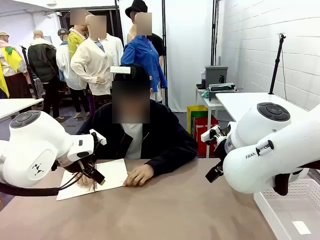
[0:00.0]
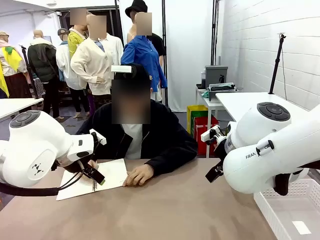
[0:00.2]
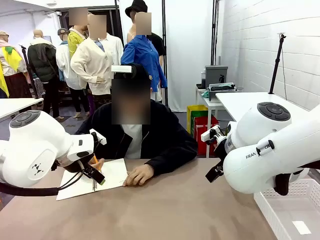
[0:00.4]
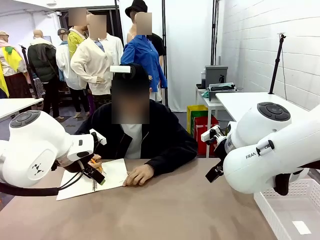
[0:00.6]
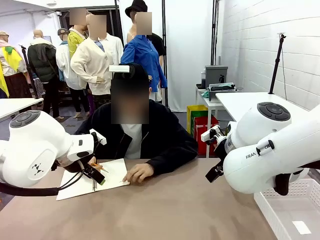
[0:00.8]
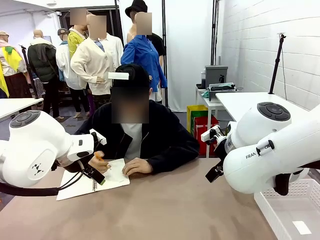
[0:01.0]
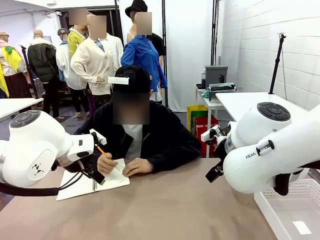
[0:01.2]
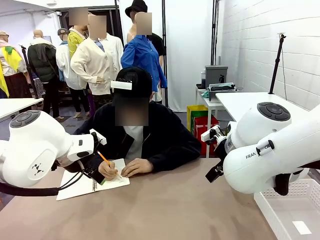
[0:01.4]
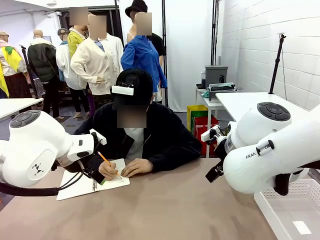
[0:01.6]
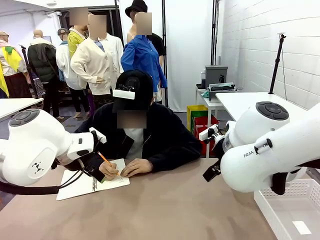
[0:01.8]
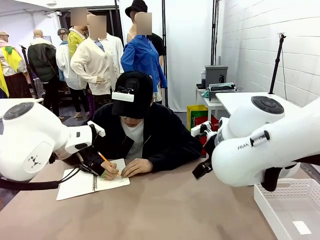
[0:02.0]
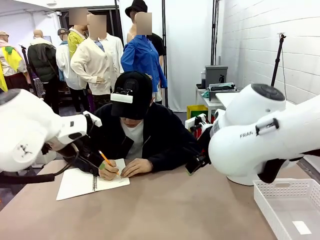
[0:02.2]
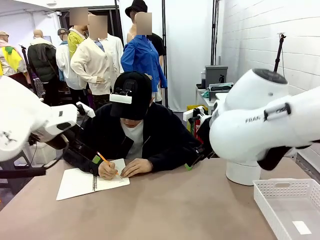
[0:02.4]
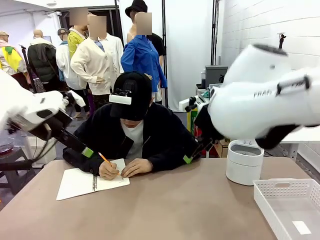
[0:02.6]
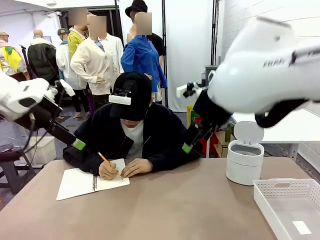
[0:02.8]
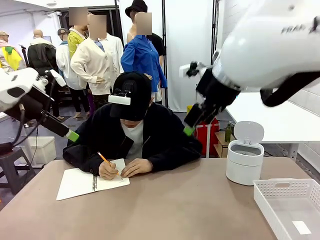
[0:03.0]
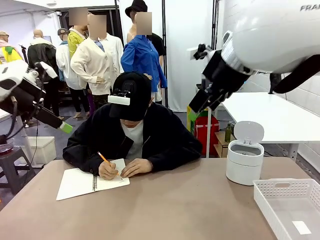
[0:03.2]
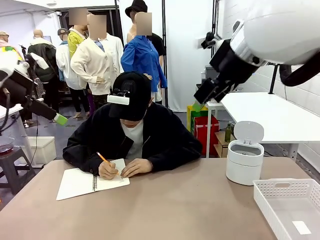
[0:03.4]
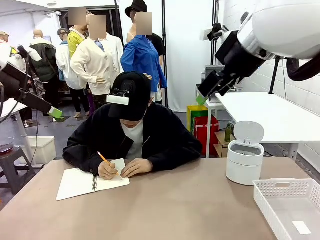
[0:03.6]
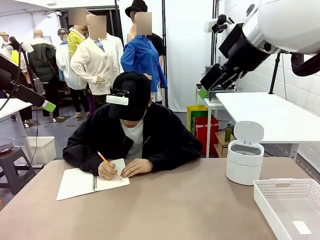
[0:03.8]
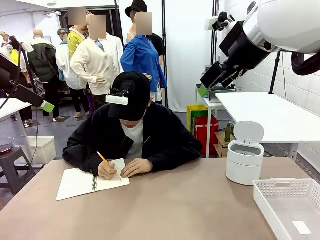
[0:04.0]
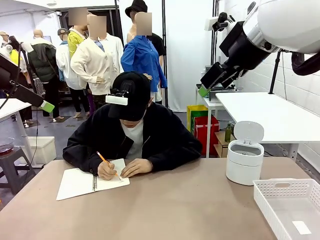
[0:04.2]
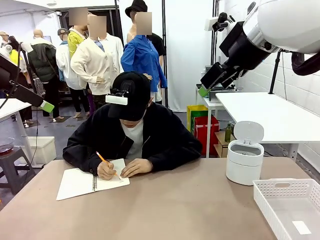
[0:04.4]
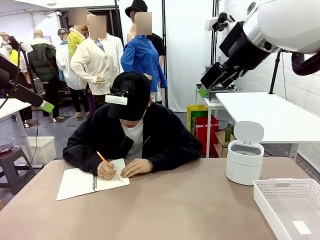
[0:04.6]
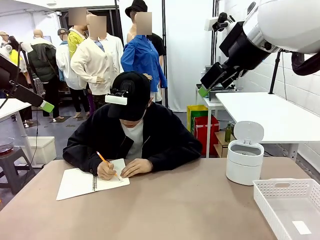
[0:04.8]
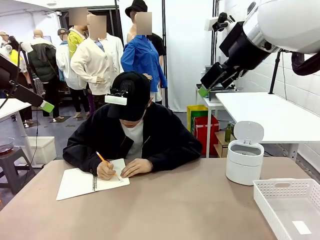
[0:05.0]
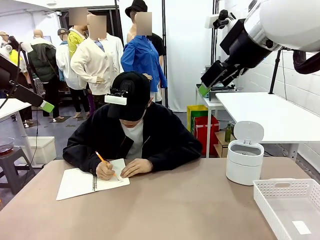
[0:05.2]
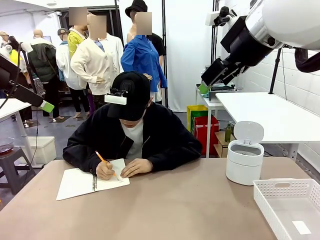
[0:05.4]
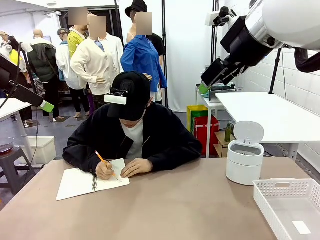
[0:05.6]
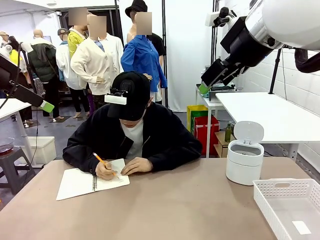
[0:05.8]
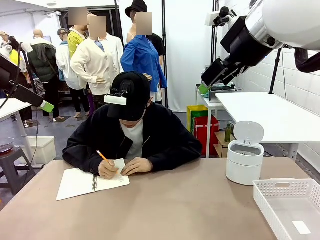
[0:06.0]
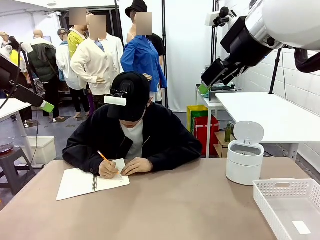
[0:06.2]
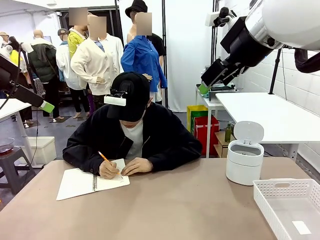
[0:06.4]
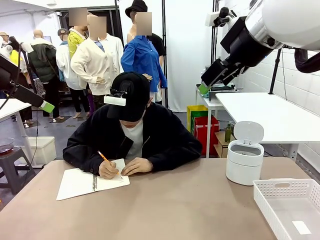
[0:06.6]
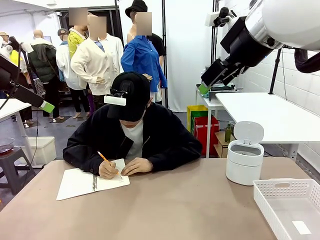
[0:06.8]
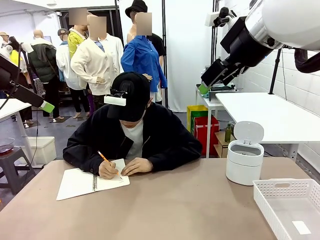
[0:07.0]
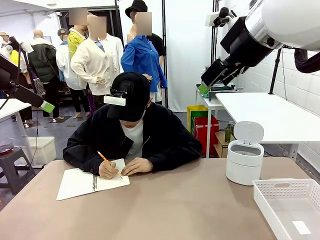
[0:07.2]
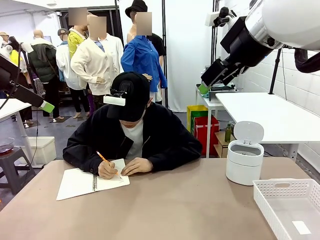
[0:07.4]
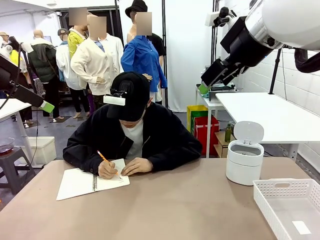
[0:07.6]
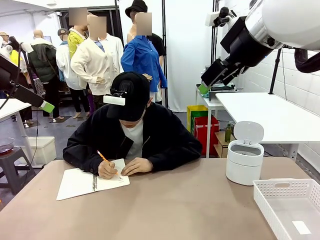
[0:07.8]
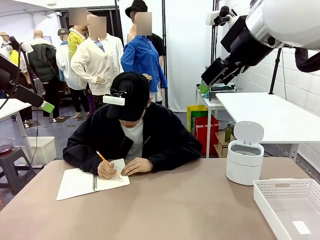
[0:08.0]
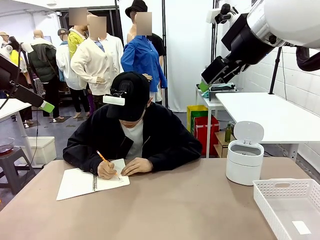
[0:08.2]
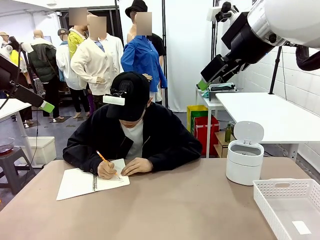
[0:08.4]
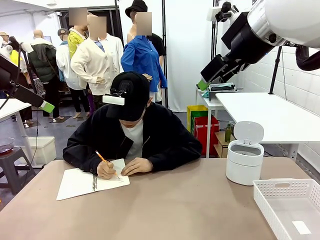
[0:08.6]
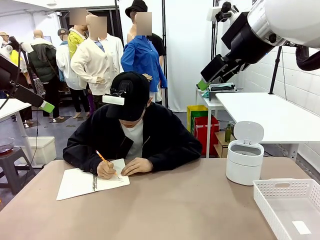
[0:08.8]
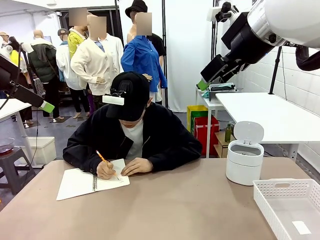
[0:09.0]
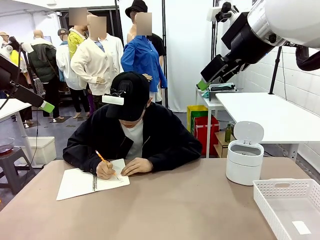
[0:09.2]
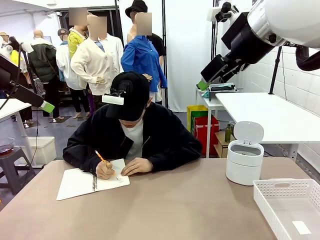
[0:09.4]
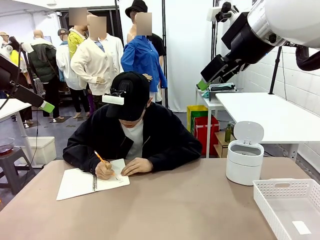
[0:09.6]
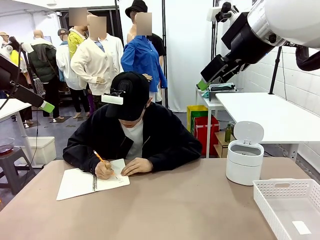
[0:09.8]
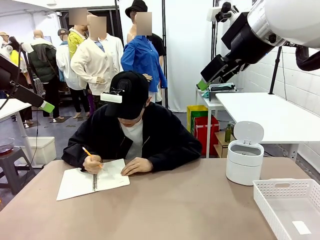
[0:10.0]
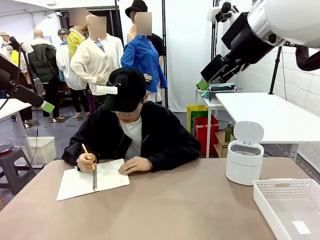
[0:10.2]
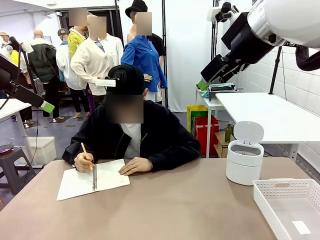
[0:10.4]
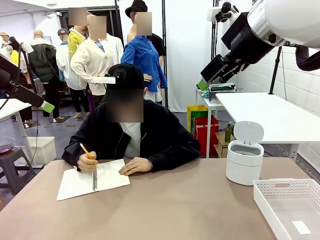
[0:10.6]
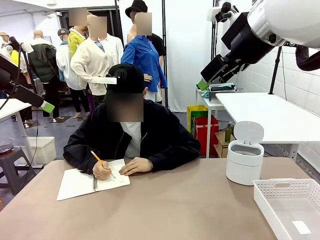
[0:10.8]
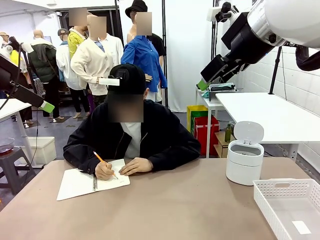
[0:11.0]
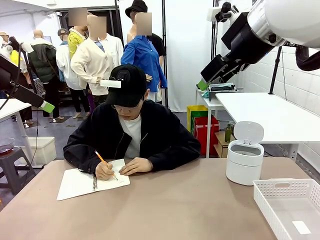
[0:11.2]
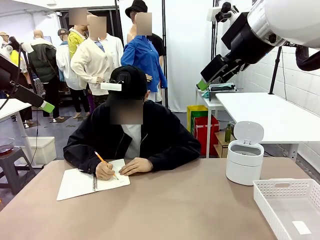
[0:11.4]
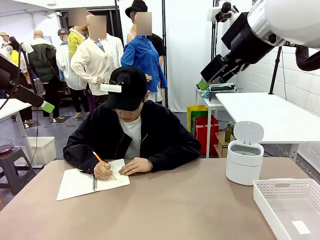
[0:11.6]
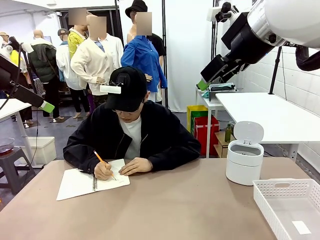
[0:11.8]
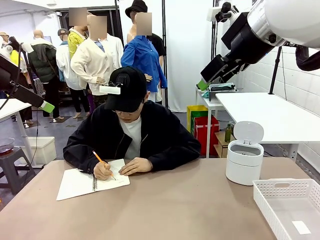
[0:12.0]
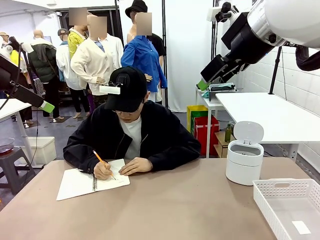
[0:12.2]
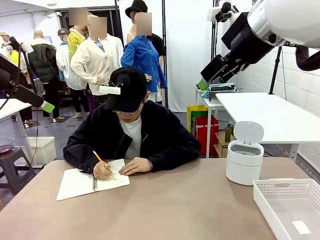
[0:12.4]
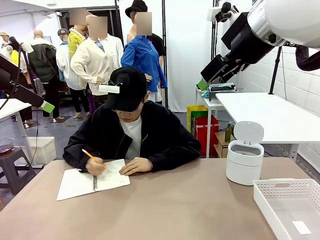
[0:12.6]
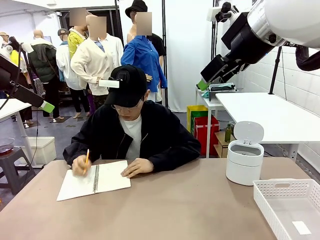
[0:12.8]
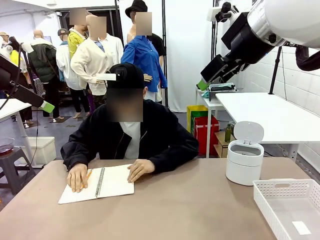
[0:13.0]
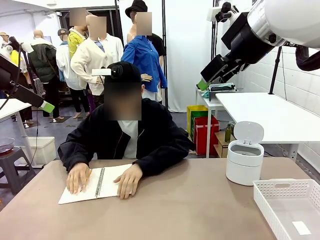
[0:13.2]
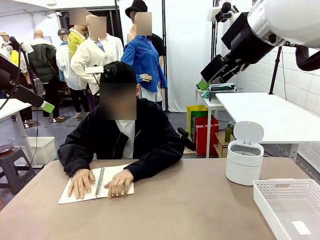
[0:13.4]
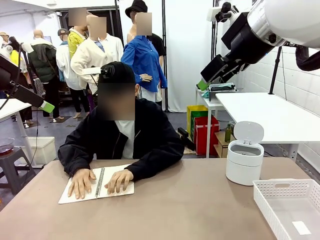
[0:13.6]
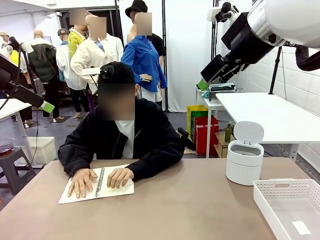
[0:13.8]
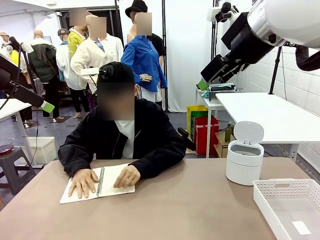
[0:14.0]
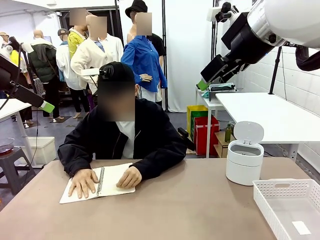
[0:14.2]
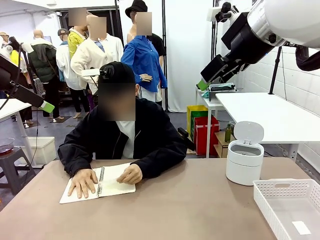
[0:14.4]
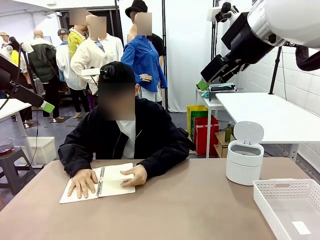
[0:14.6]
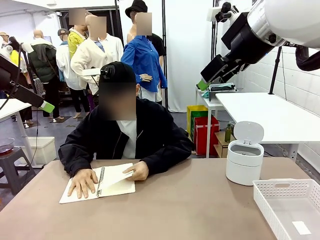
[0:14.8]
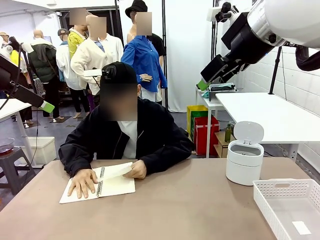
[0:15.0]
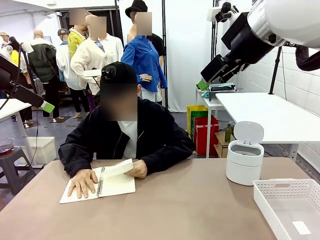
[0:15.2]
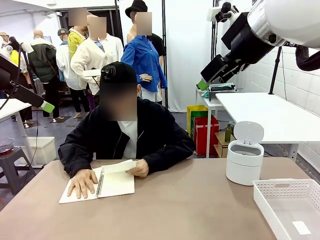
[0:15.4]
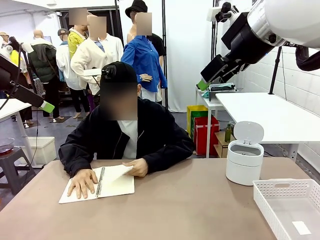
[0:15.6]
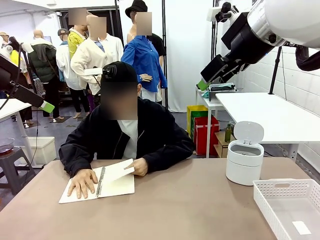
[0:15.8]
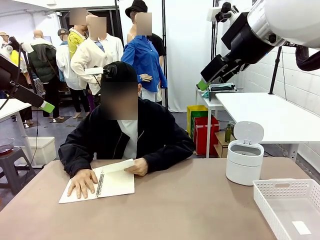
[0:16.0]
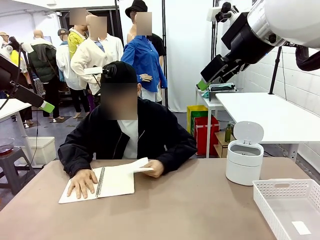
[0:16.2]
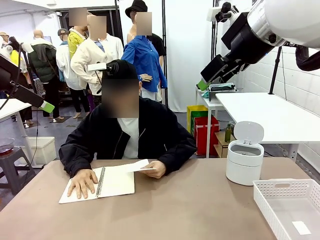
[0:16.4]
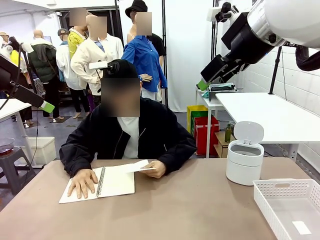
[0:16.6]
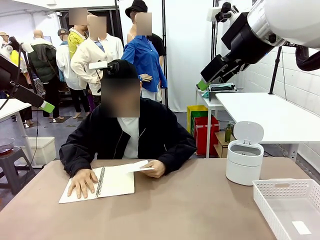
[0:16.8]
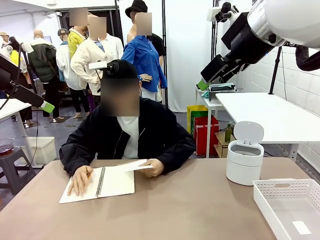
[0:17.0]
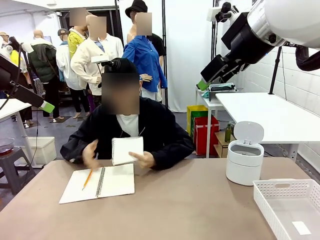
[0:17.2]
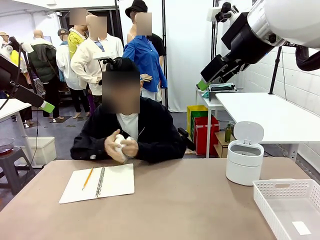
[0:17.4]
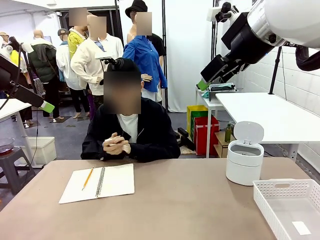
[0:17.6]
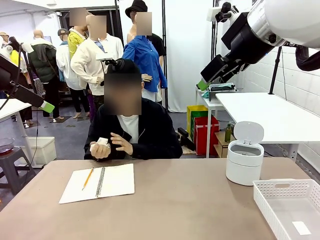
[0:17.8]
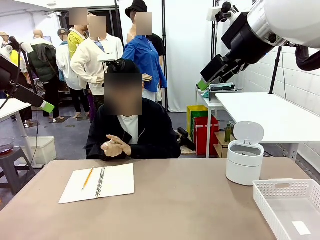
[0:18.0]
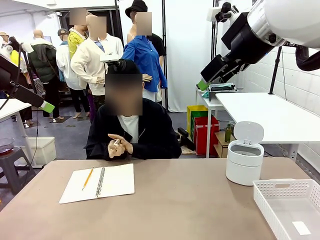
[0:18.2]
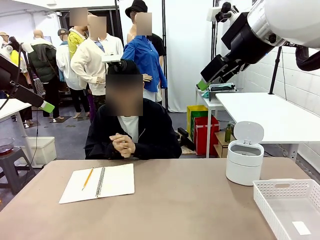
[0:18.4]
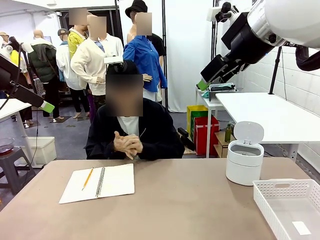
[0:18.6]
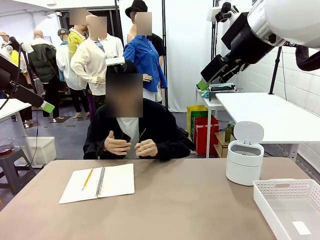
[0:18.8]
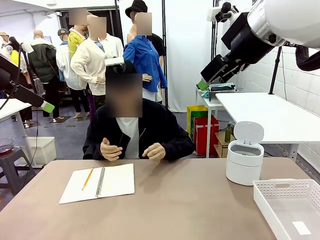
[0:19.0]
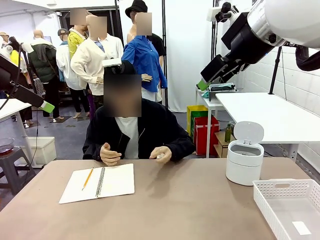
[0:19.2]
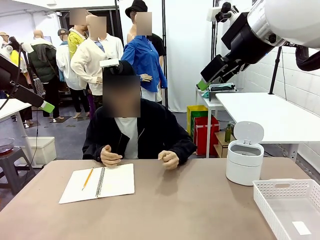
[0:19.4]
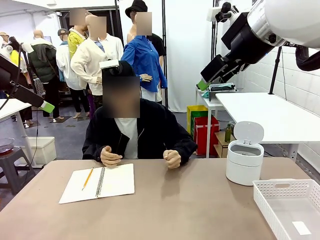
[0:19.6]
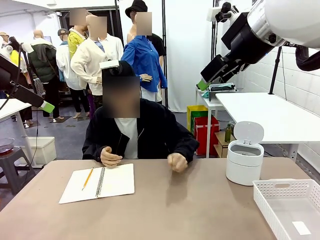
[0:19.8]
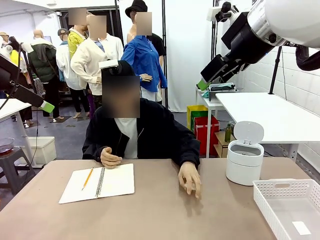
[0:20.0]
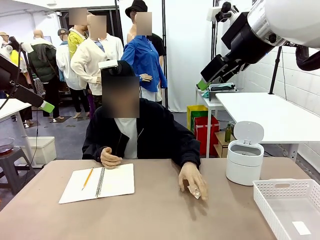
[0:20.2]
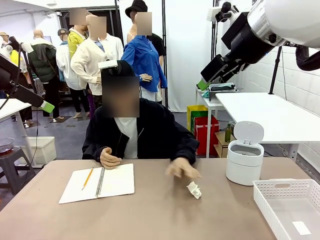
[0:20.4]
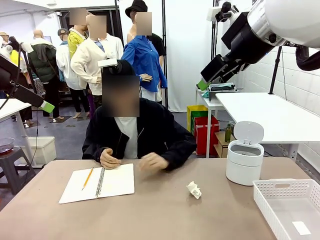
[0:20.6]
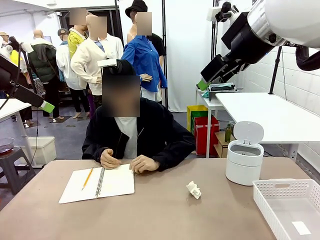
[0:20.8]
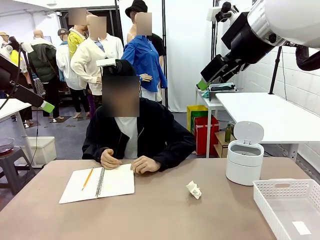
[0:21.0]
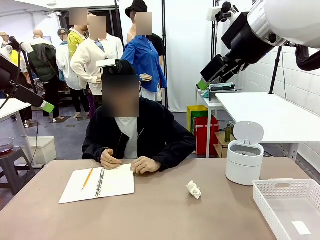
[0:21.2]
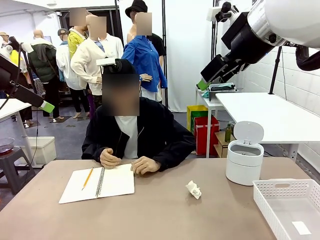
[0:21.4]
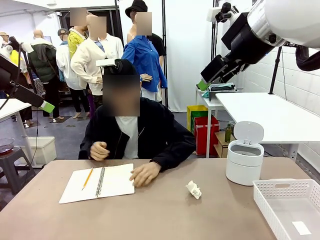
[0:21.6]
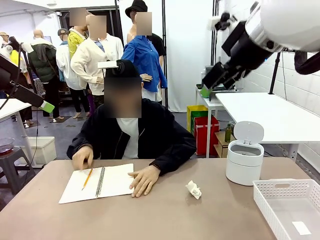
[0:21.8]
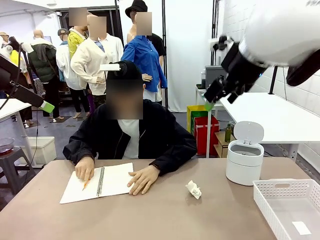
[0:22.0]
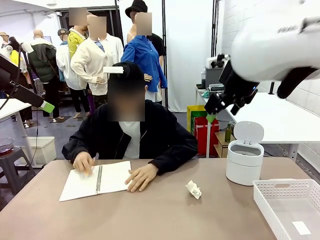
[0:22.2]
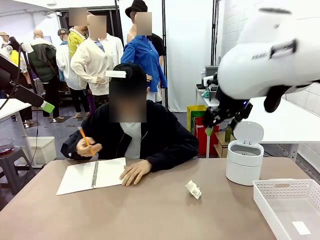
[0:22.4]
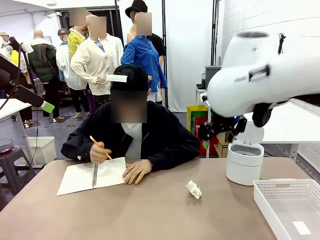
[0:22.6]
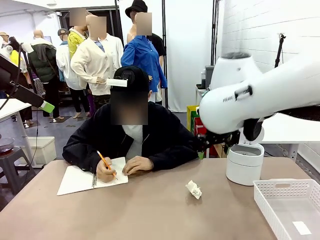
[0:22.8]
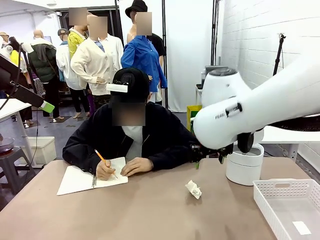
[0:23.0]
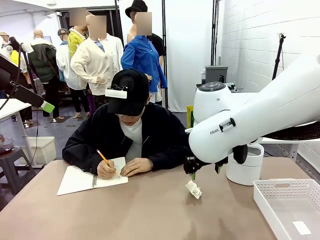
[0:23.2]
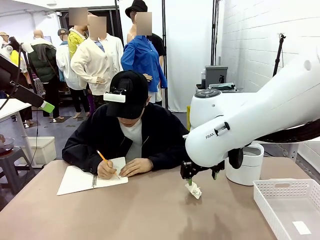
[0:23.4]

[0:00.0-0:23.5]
Task: Sort the paper based on its condition.
Robot: If a person hands you a paper, place it in the Organizing basket , and if it's crumpled, put it in the Trash can.
Person: Tear out a page from the spiral notebook. Hand the torn page to the robot or crumple it and throw it to the center of the table.
